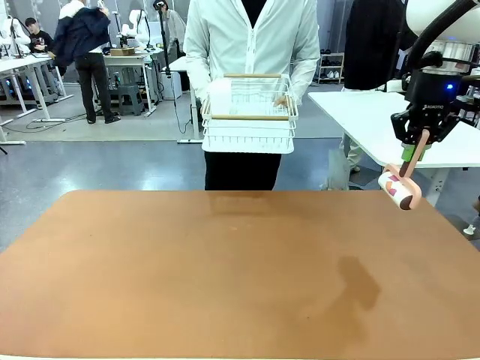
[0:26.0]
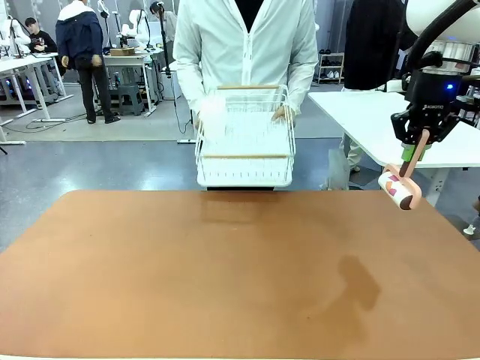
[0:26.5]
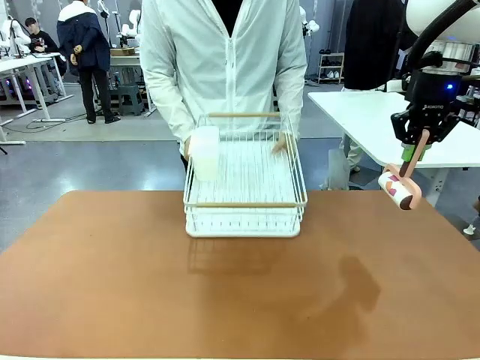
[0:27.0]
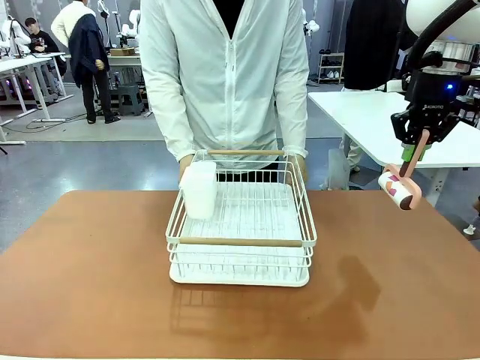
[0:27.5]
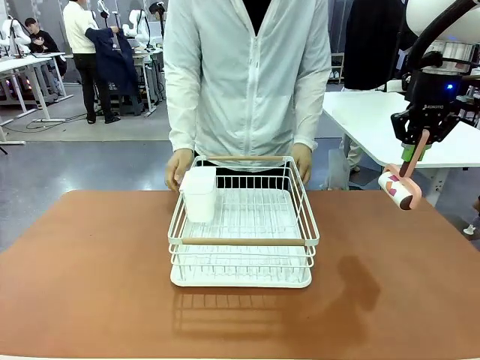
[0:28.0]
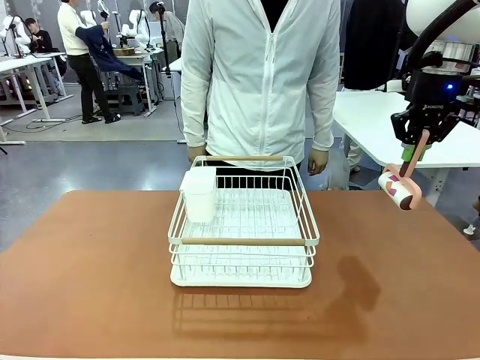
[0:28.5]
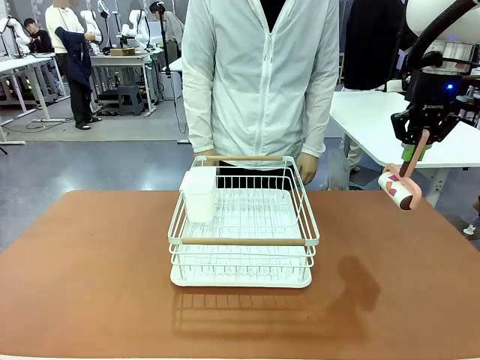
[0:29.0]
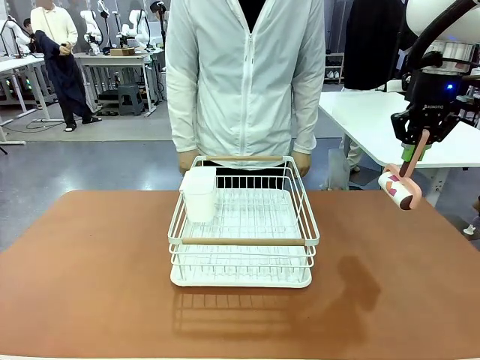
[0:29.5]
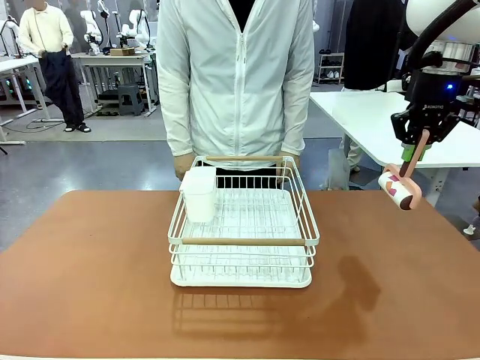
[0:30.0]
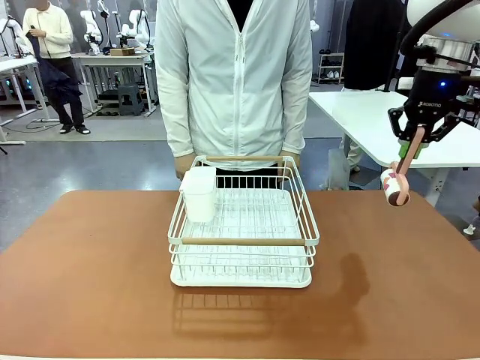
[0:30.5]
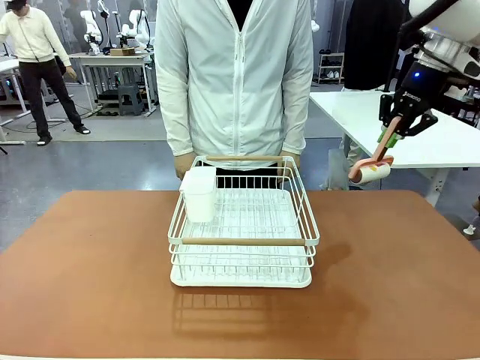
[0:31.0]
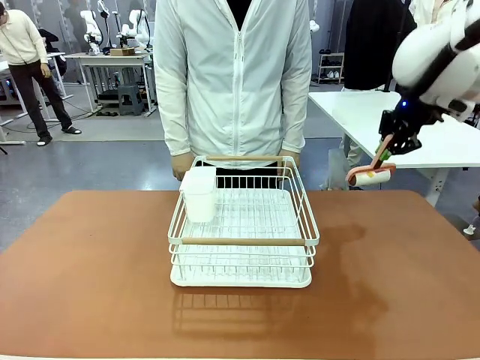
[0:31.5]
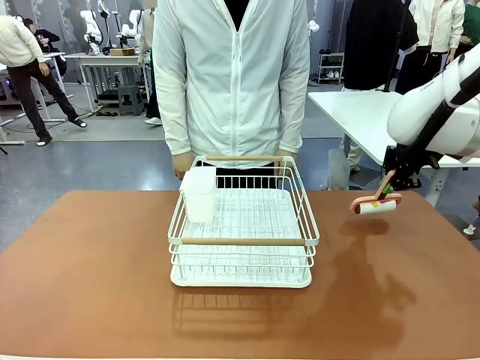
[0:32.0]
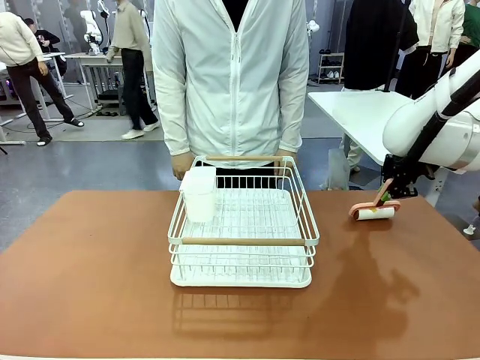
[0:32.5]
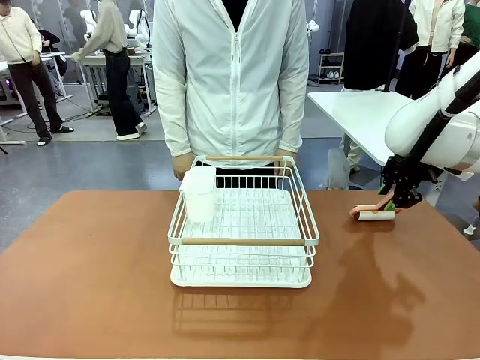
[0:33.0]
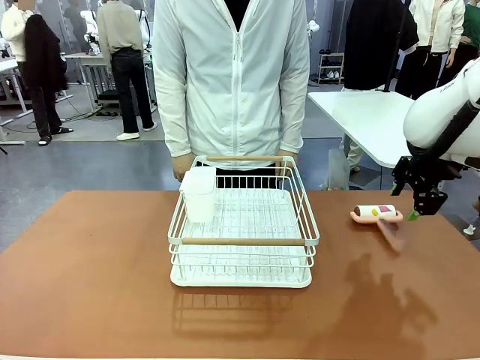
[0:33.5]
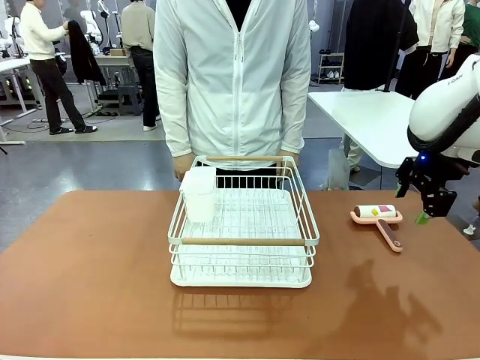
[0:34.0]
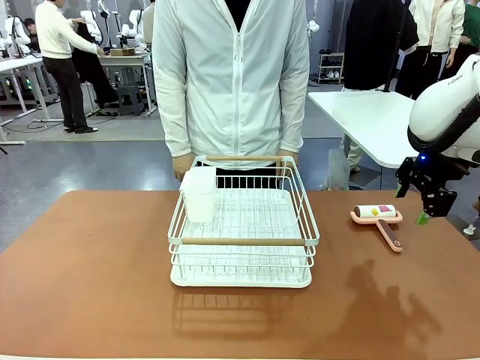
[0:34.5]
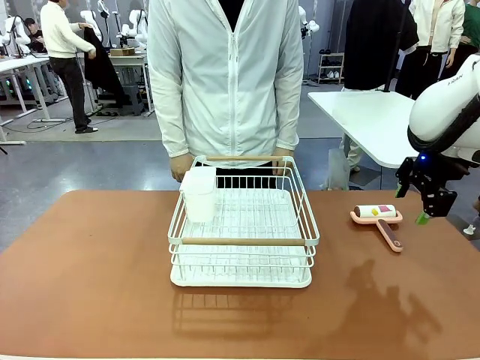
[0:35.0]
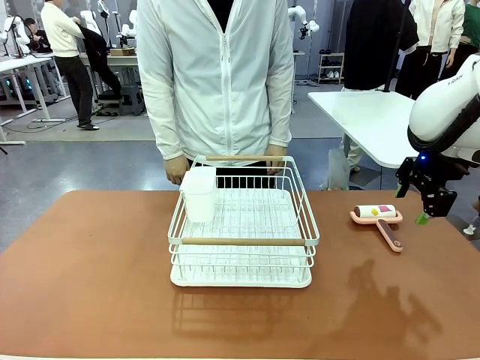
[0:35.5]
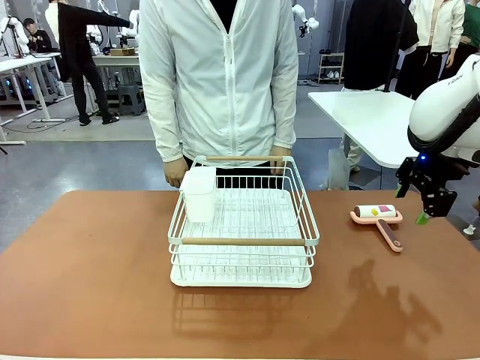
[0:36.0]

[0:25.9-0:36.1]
Task: Clean the table.
Robot: Place the Lint Roller down when the Dish drying rack is positioned in the middle of the table.

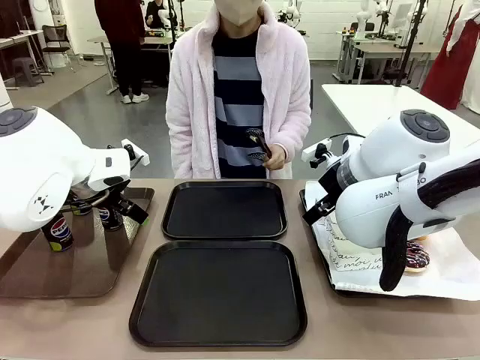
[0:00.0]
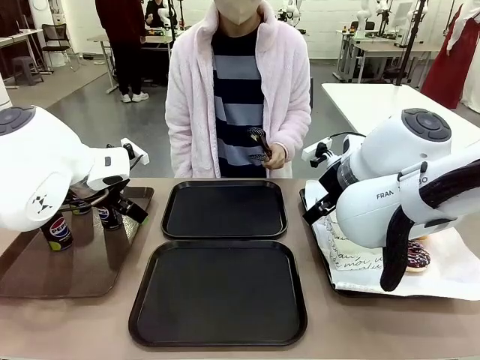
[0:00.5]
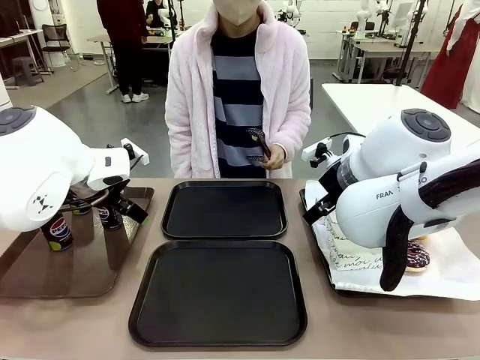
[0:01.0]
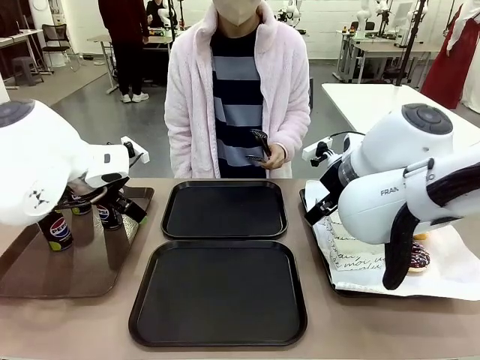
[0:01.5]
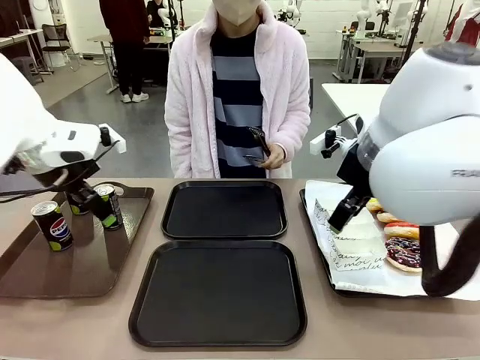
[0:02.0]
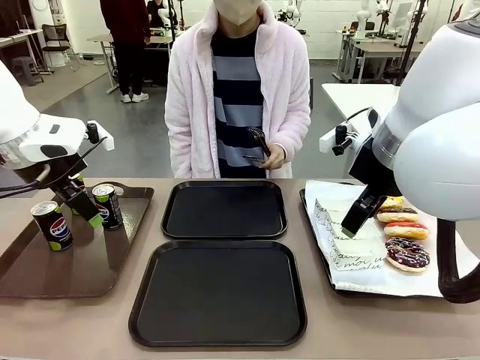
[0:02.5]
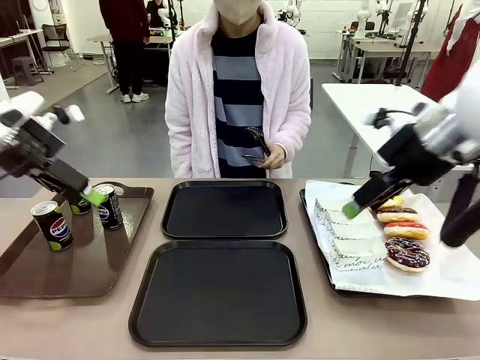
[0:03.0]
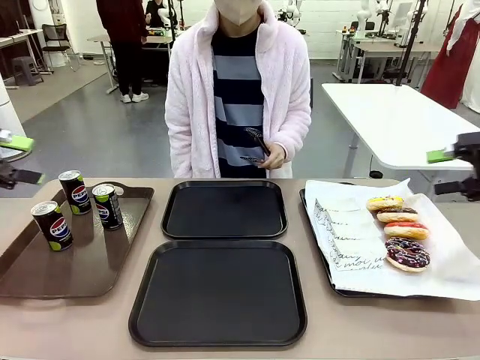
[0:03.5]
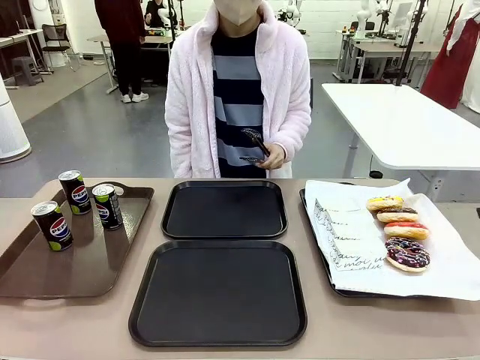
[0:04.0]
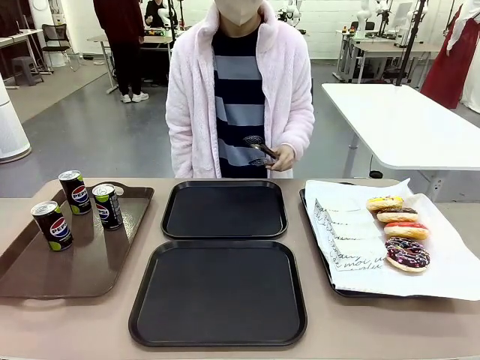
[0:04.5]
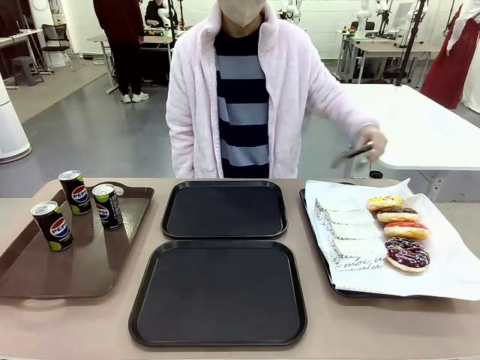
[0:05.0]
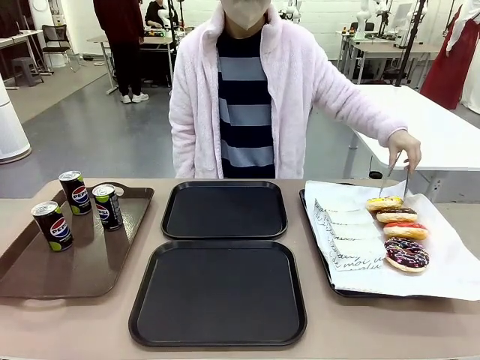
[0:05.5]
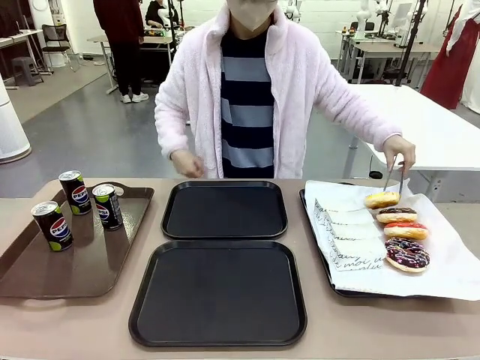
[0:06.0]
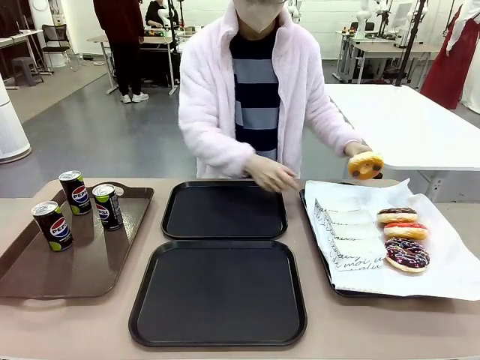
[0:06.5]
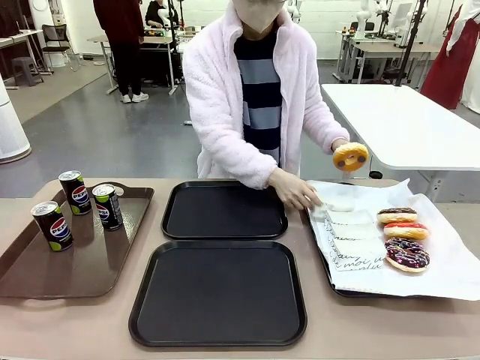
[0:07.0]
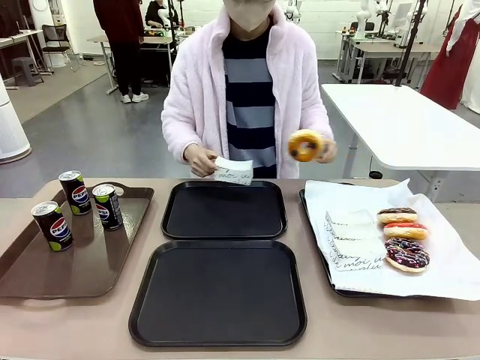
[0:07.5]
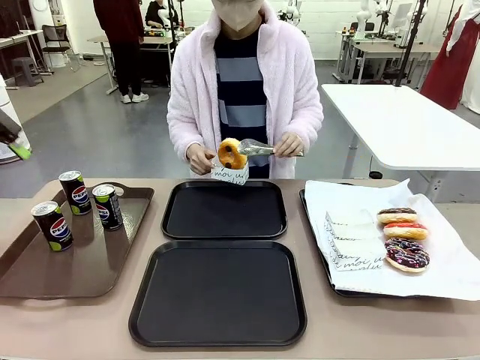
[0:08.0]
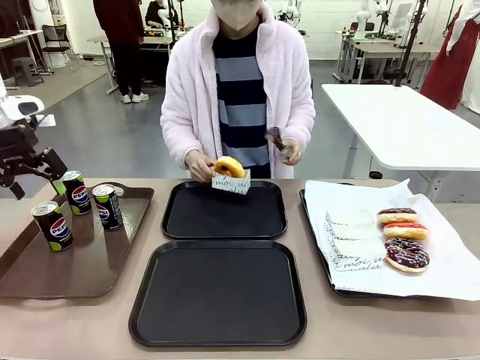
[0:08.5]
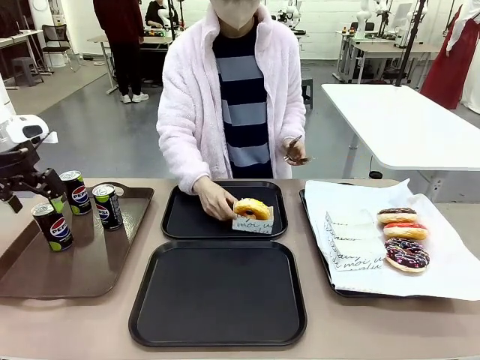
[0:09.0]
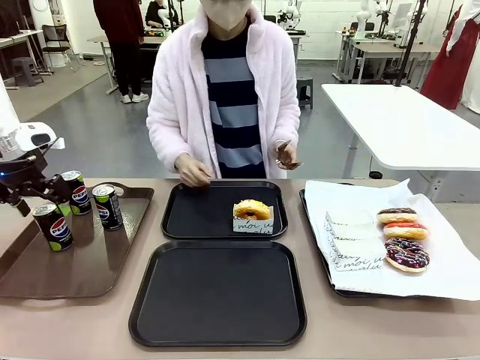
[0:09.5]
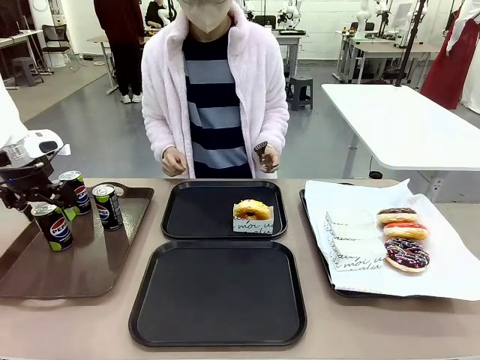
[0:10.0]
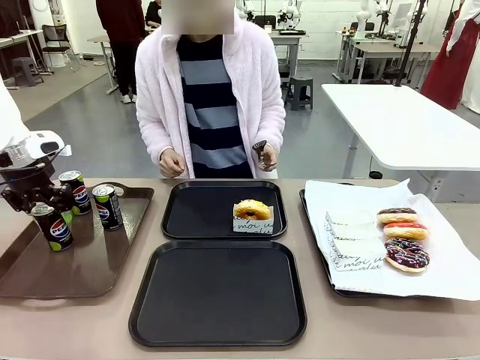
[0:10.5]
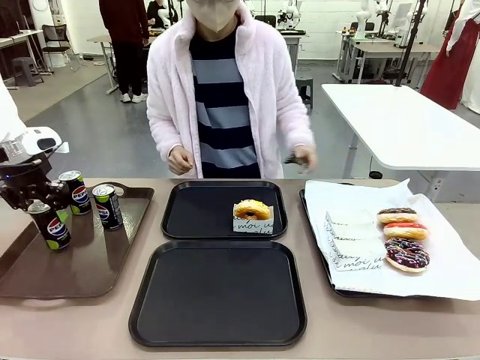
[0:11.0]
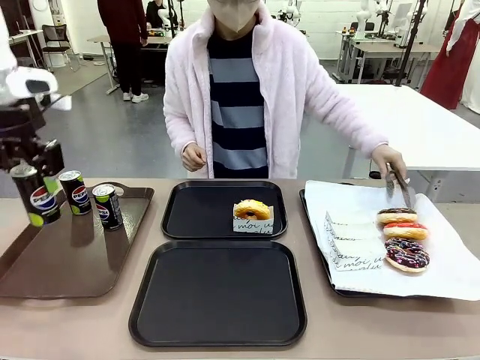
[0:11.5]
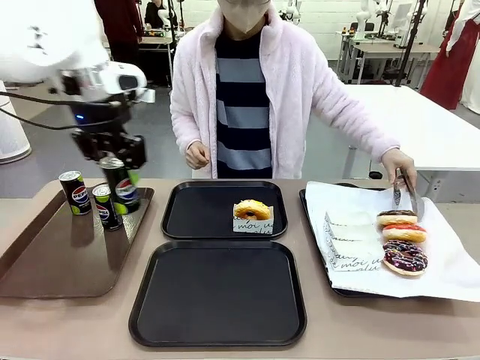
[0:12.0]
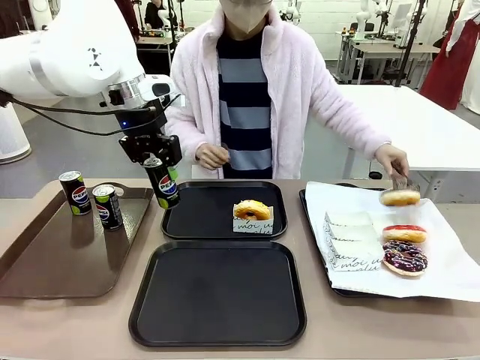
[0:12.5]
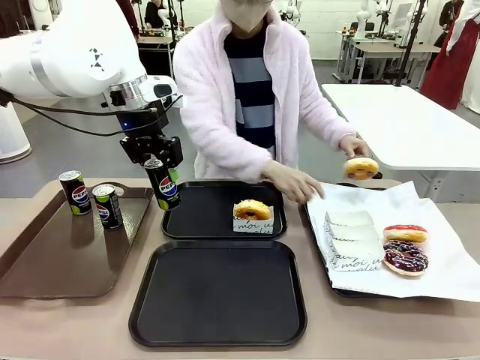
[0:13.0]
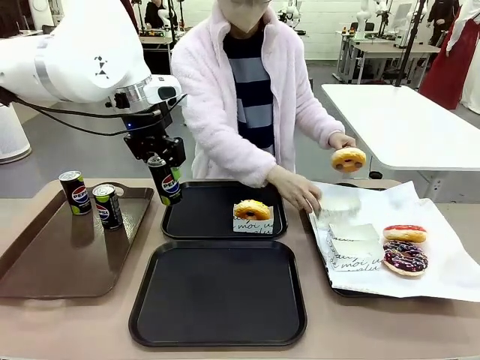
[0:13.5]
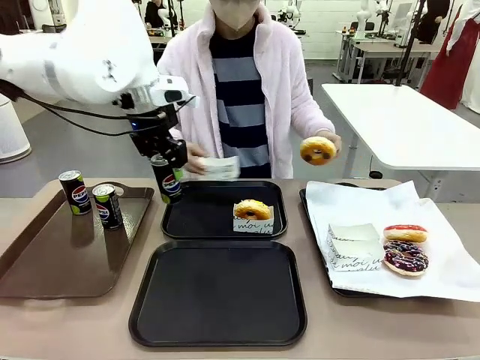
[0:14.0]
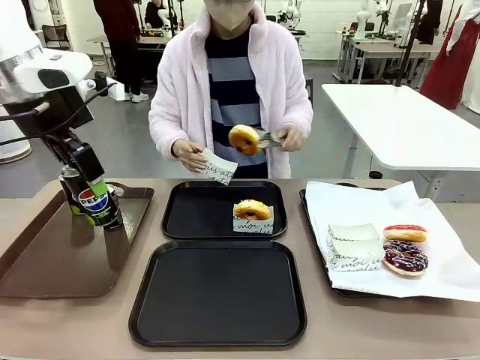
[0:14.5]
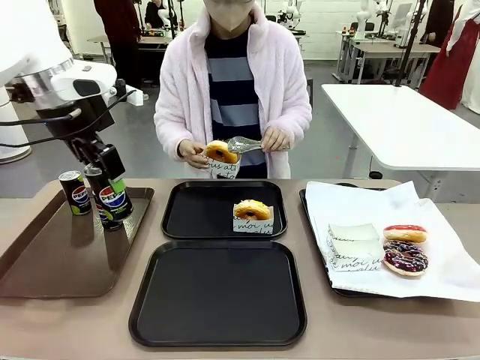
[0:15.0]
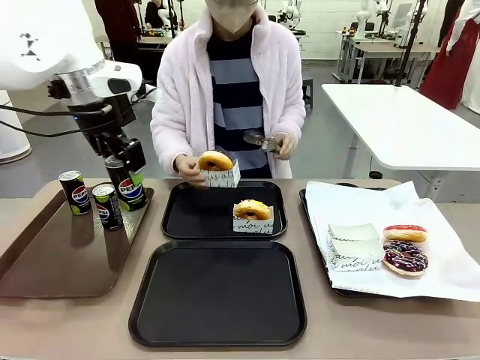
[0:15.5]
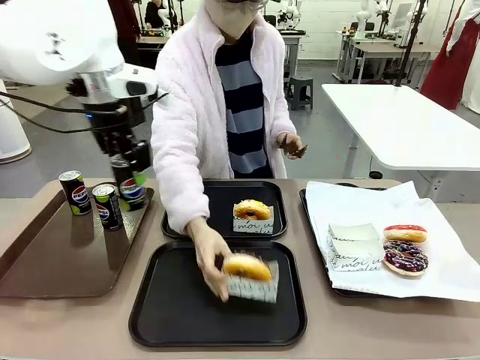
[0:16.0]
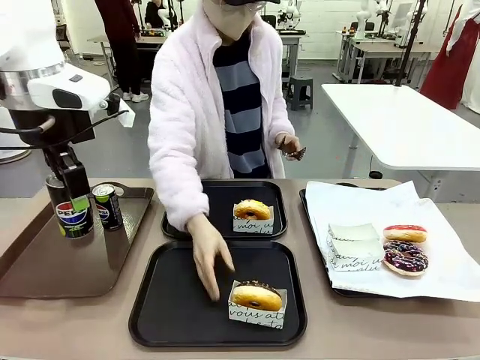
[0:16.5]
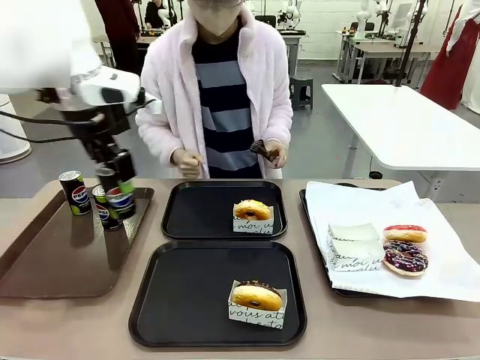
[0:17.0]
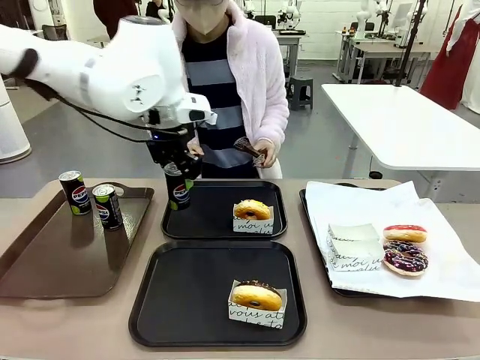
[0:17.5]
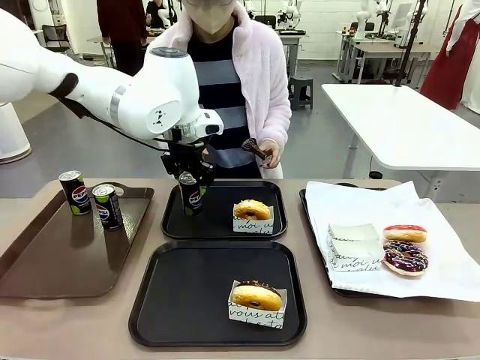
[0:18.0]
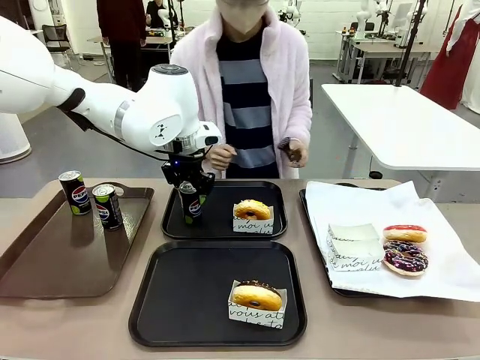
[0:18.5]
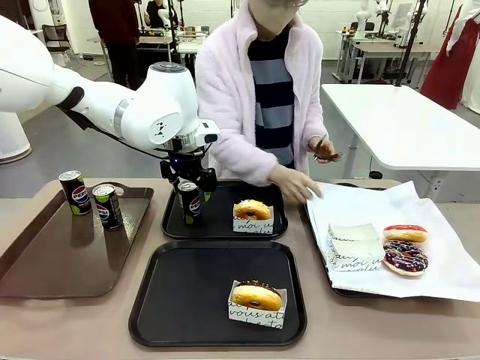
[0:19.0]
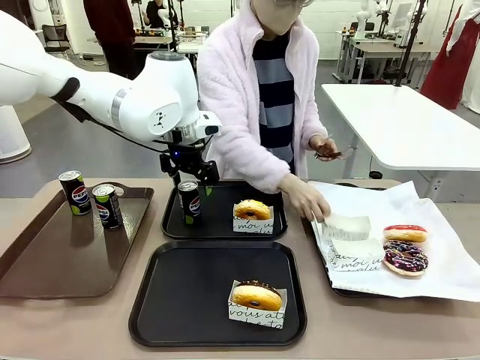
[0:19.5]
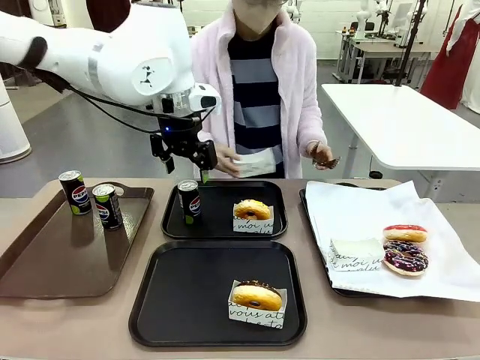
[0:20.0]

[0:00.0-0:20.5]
Task: Set up donuts and drinks on trays.
Robot: Pick up one Pepsi coke and place it on the Flat Tray.
Person: Pick up one donut with tongs, place it in the donut tray, and then place the donut tray on the flat tray.
